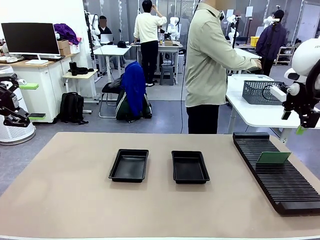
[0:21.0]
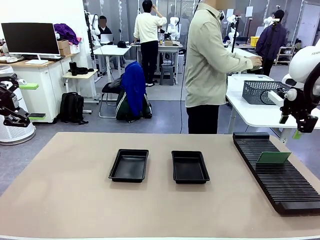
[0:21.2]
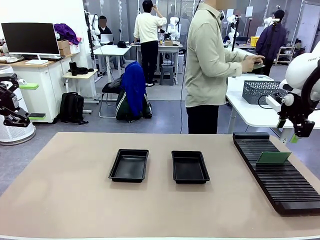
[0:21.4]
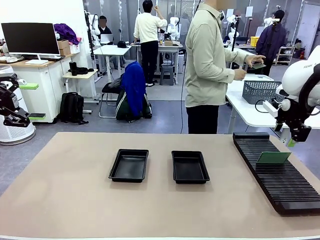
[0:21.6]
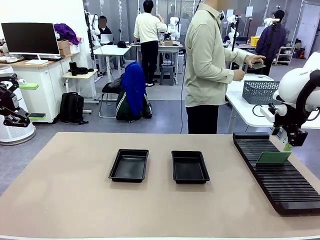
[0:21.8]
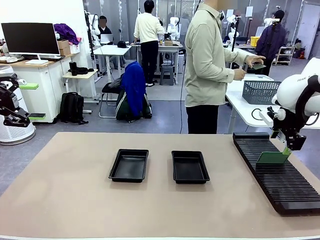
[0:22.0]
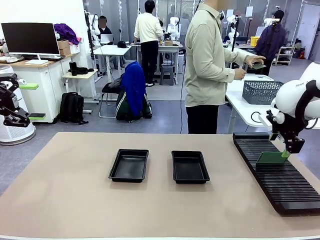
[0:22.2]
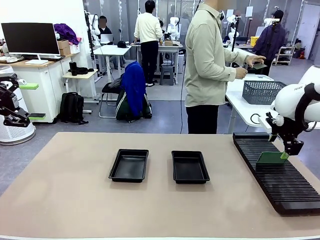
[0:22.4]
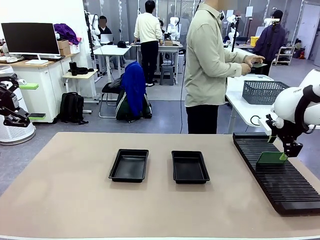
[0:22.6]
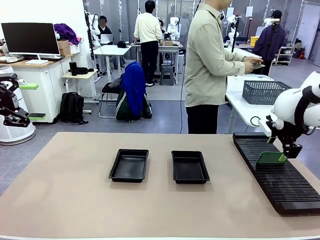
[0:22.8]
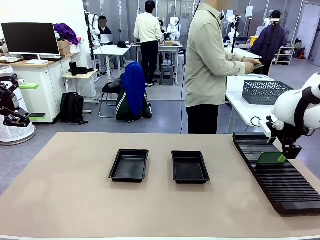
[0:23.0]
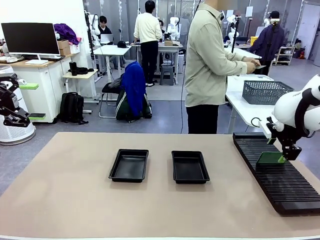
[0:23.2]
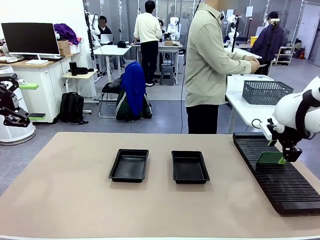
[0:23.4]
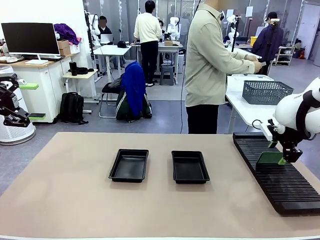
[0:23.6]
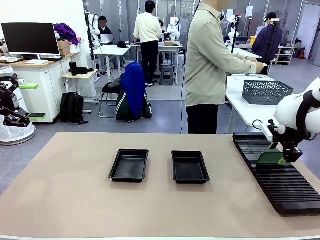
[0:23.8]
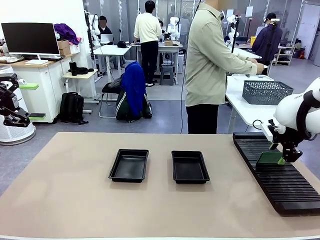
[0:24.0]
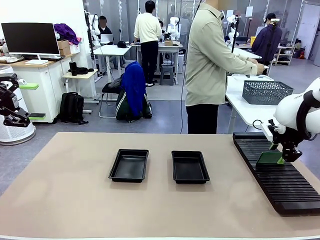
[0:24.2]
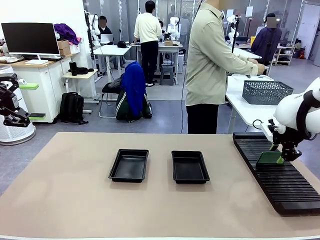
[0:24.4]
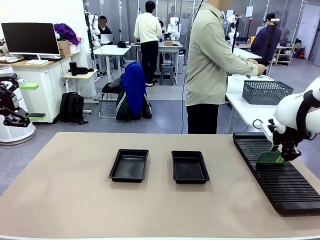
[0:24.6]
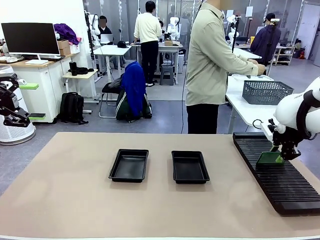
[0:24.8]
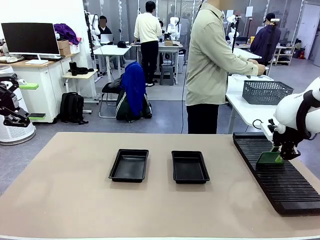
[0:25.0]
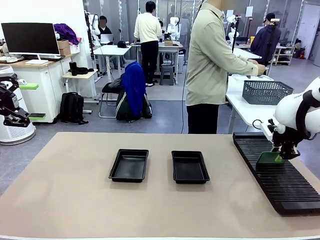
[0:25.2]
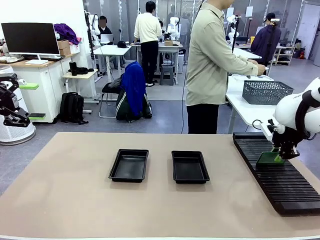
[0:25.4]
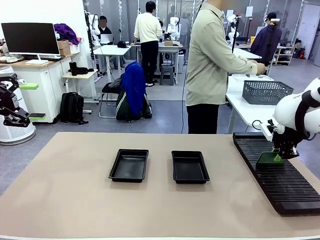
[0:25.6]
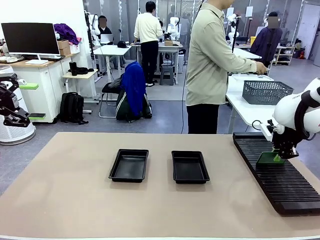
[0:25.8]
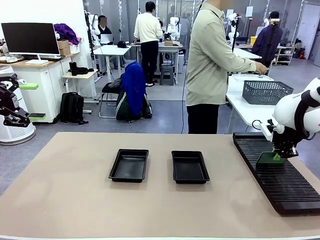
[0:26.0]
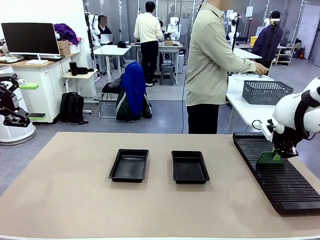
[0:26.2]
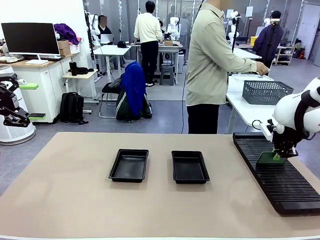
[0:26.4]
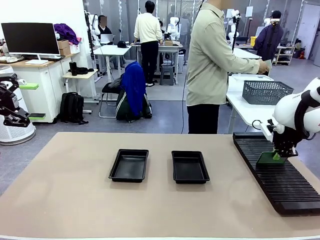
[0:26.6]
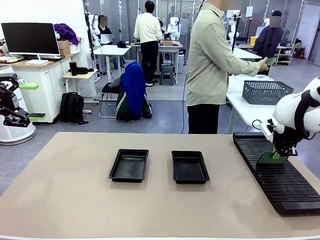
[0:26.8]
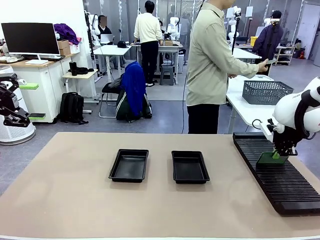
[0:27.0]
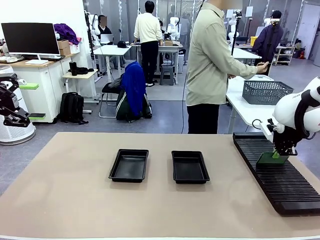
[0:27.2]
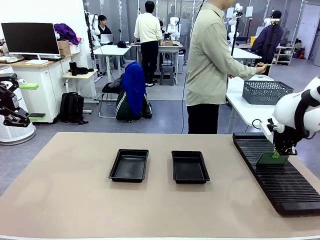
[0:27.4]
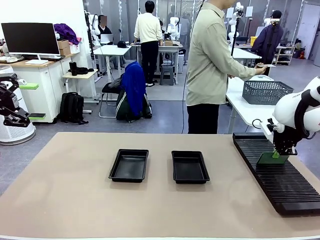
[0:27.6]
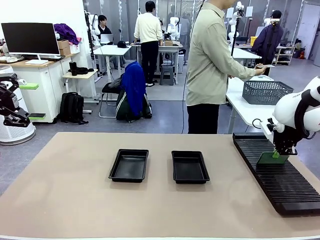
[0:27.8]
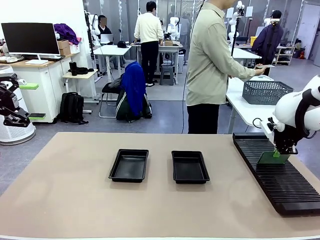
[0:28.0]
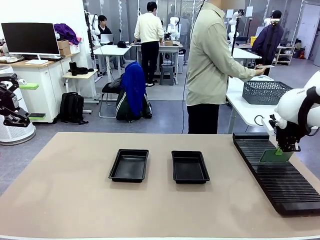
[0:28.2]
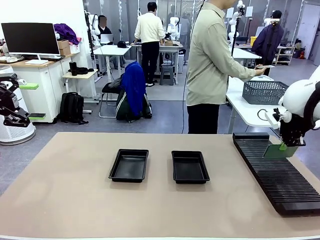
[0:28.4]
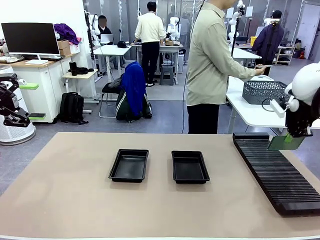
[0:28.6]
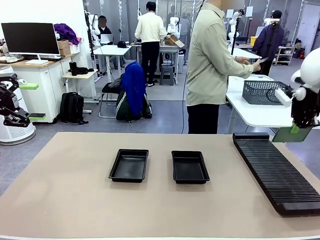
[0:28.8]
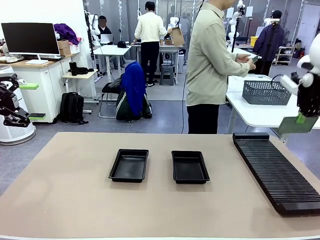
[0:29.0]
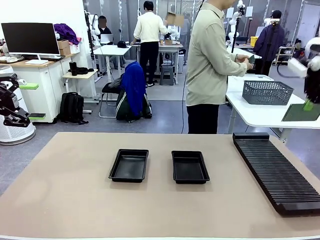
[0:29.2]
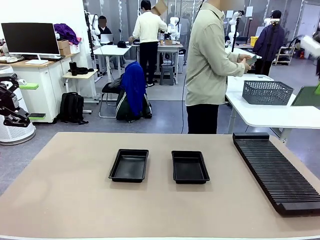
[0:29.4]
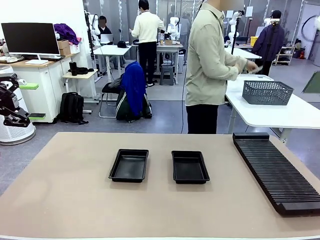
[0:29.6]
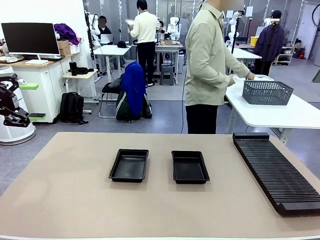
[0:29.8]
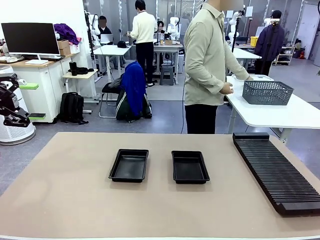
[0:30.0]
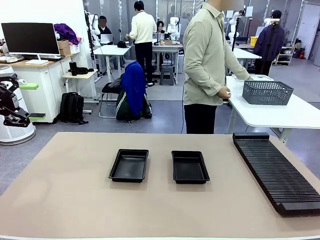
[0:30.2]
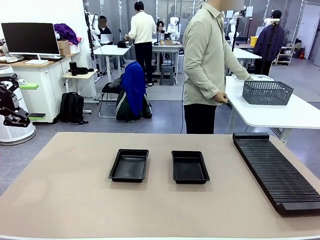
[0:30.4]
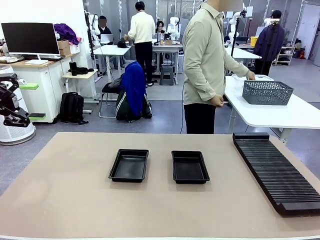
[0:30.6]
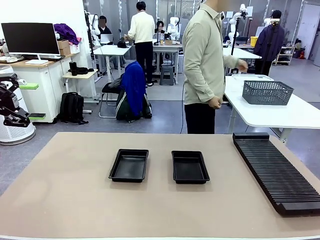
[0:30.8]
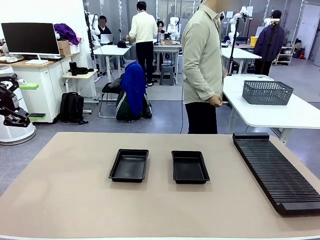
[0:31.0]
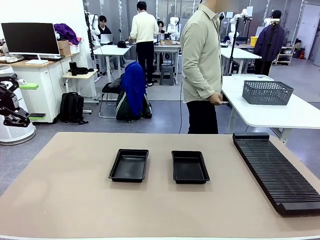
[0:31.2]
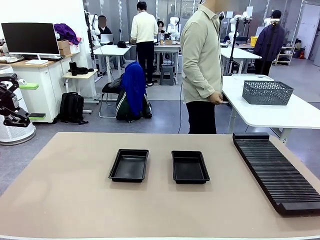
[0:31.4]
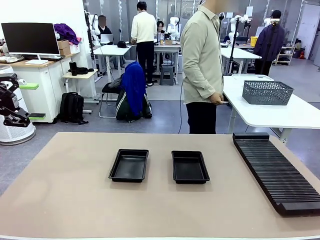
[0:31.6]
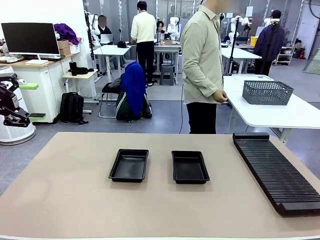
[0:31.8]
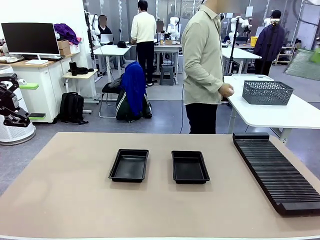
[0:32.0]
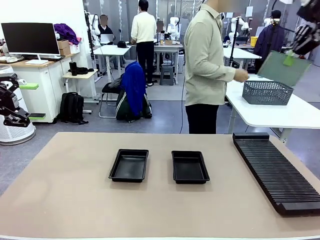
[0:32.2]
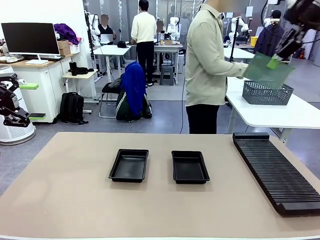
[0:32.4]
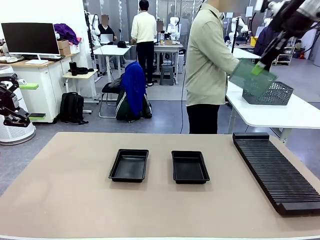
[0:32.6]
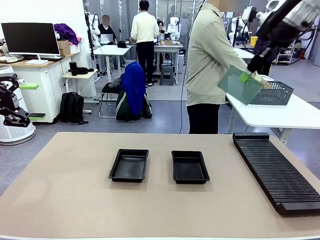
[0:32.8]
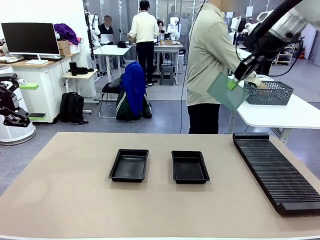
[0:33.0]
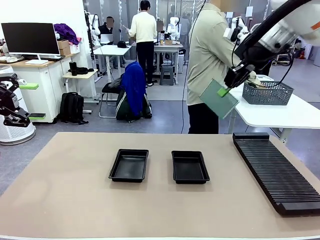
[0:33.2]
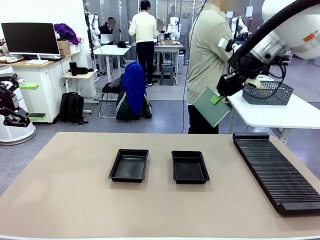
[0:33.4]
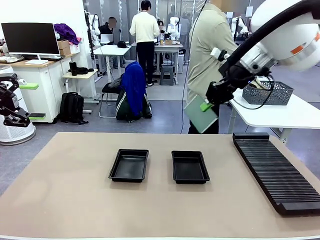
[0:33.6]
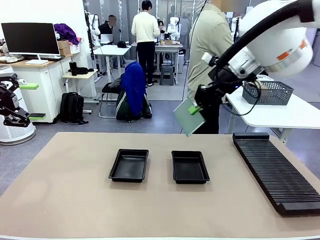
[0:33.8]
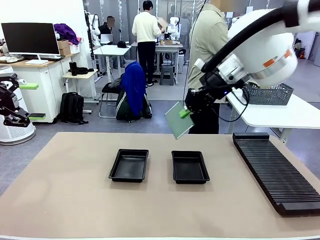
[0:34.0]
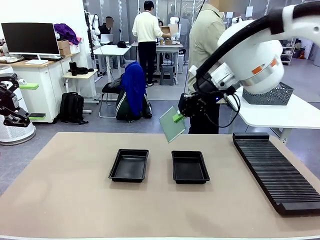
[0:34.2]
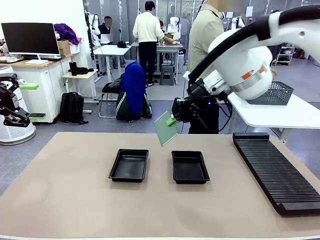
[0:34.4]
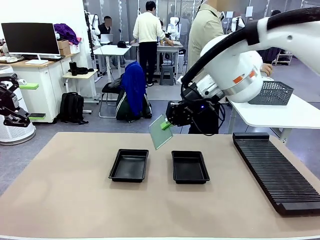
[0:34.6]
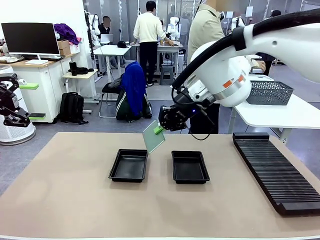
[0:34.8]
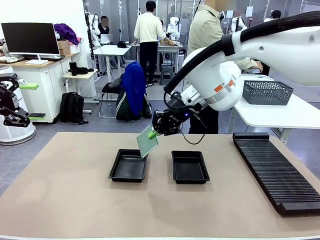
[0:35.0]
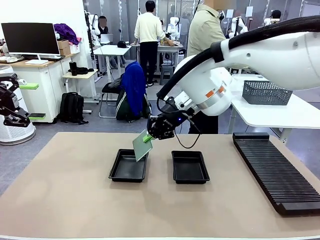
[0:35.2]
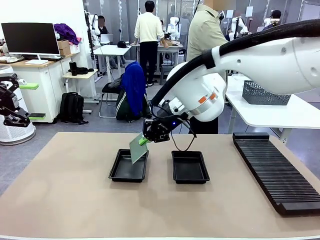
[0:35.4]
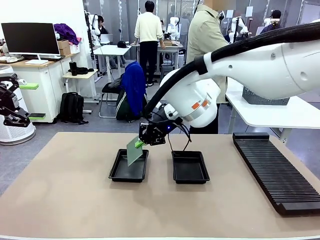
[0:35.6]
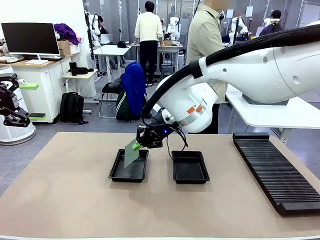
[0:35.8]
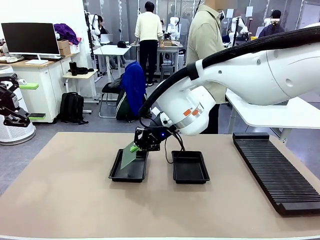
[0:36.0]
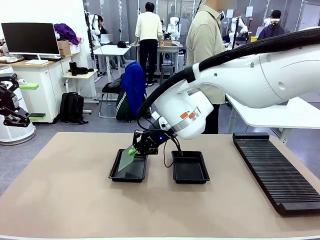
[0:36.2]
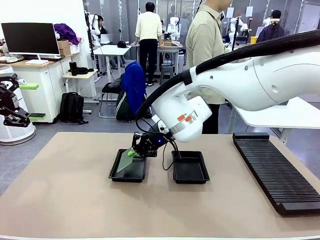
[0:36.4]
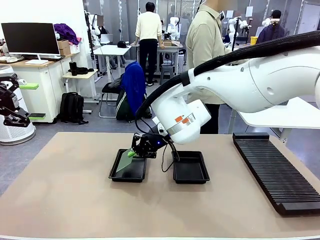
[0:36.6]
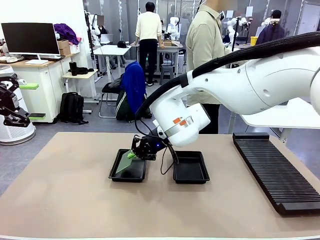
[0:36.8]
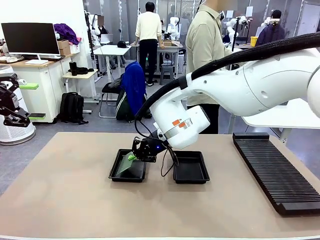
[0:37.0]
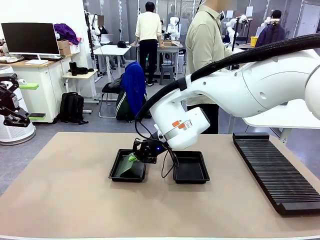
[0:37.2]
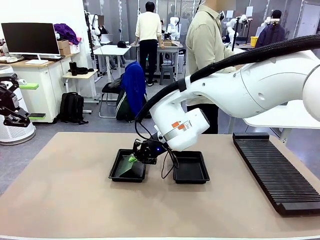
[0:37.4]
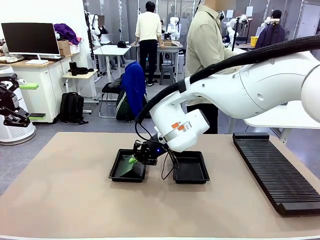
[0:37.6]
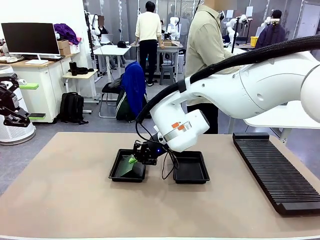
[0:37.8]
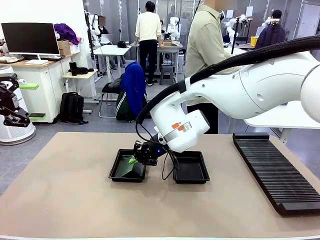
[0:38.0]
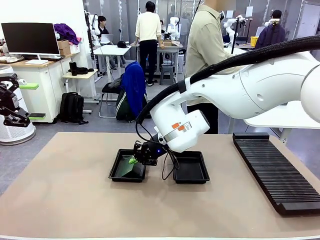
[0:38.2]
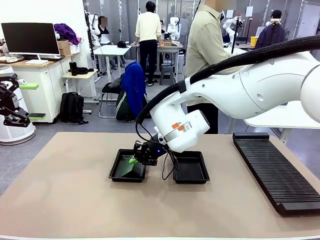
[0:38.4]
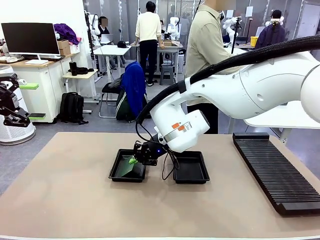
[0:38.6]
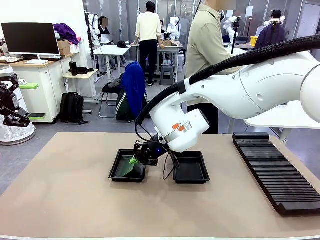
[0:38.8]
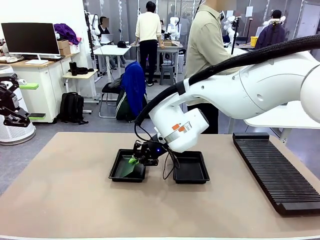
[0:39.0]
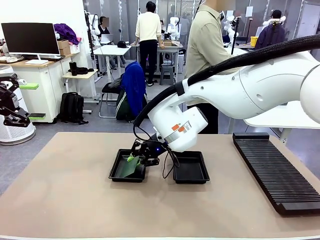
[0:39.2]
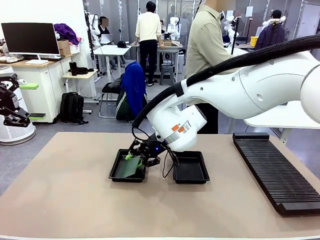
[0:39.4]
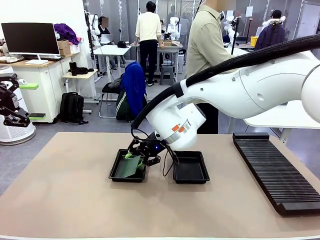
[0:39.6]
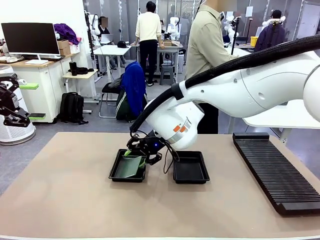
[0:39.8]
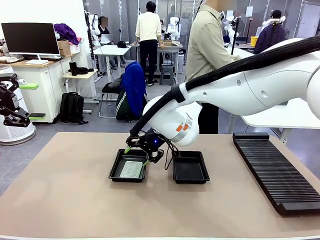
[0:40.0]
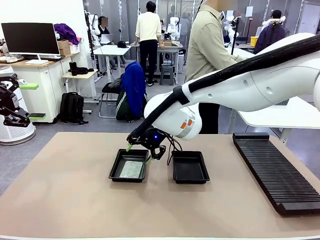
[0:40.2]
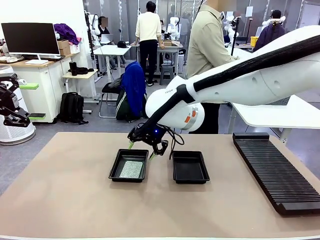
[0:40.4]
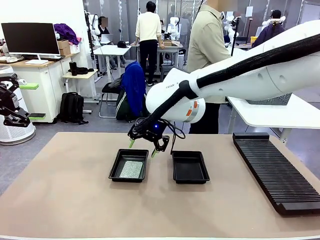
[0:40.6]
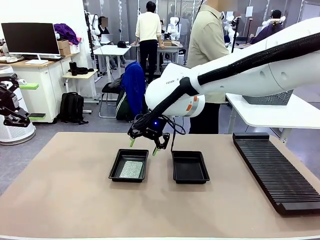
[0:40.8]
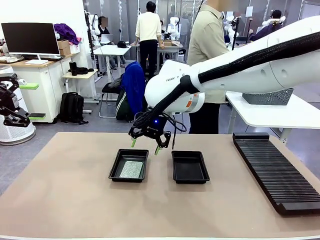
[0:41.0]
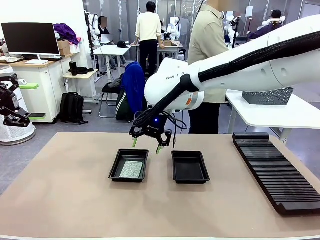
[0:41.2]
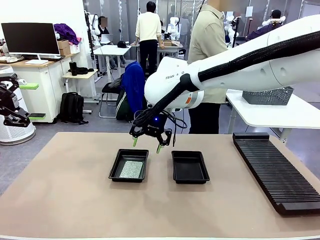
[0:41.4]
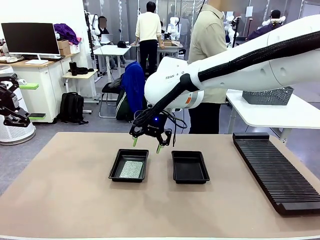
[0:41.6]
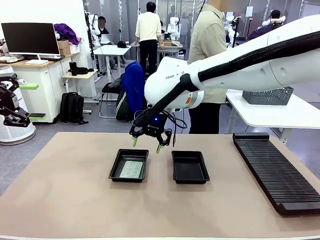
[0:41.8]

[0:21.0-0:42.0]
Task: Inspect and transfer BCBs to ESD trays.
Robot: Pick up the Blank PCB from the PCB Rack and place it in the left ESD tray.
